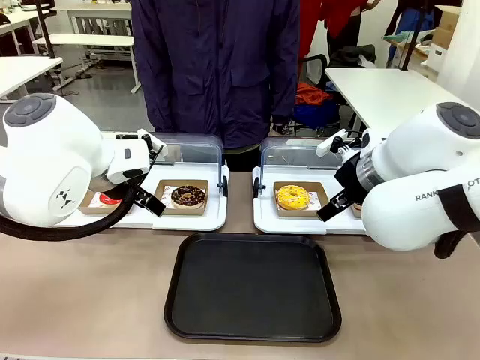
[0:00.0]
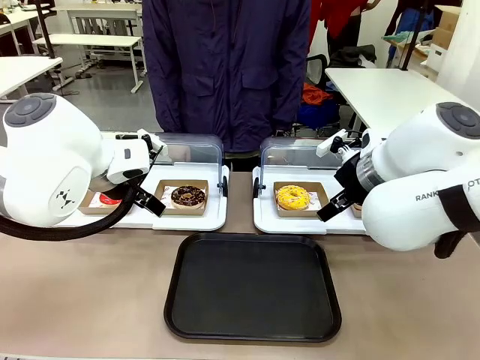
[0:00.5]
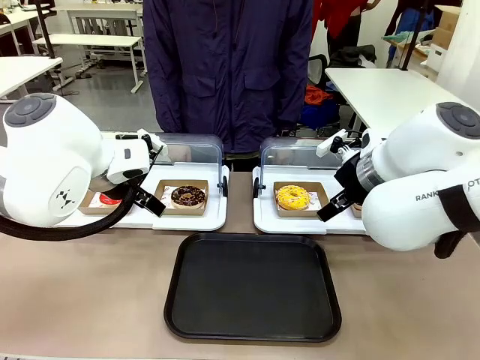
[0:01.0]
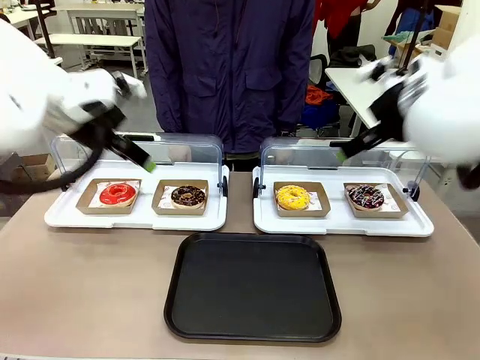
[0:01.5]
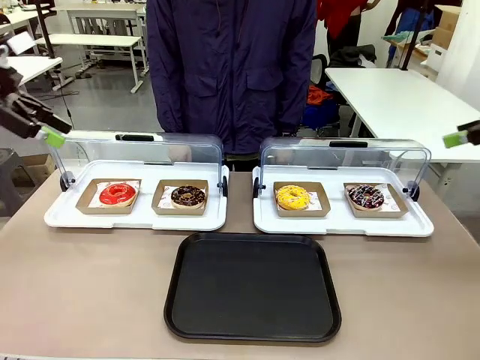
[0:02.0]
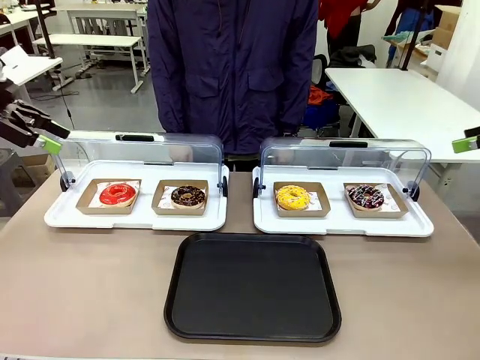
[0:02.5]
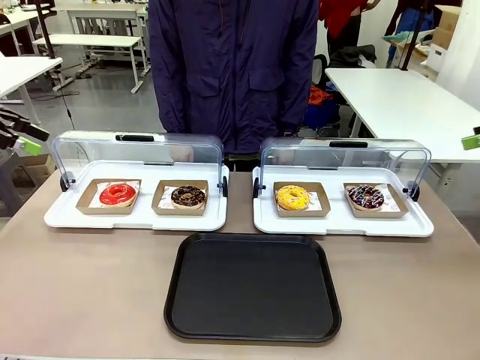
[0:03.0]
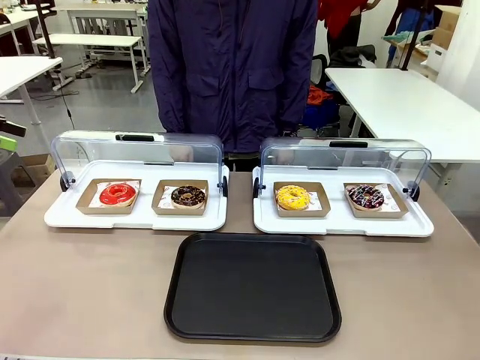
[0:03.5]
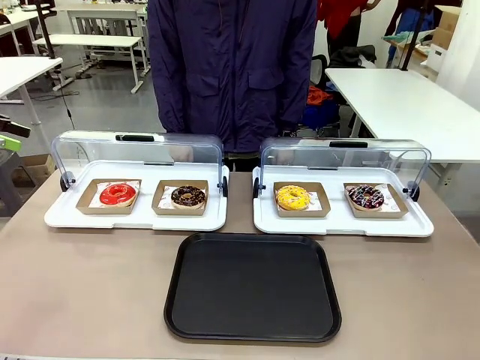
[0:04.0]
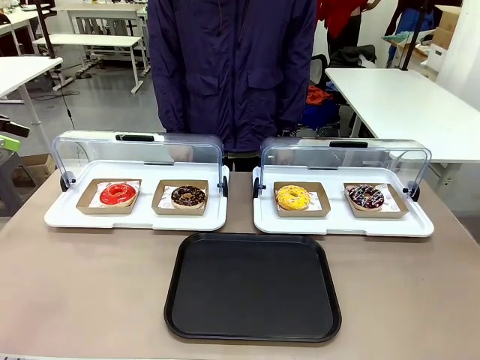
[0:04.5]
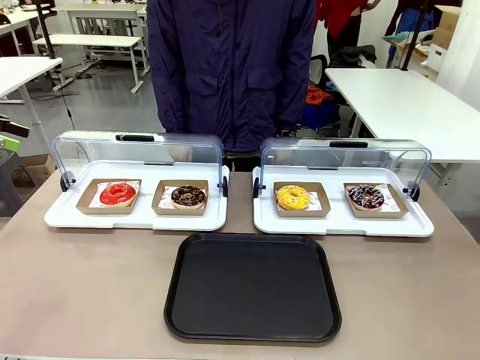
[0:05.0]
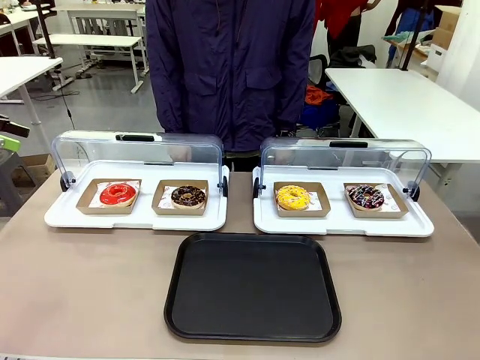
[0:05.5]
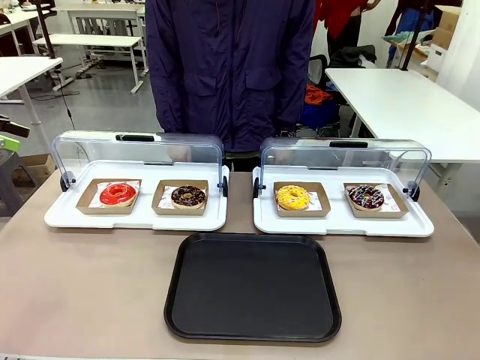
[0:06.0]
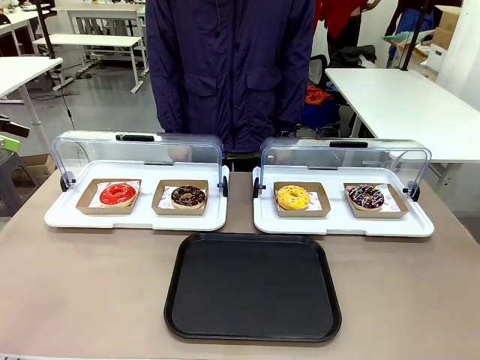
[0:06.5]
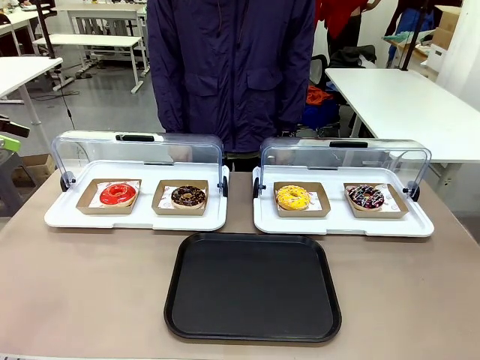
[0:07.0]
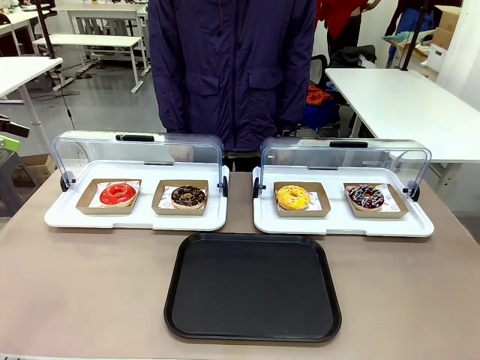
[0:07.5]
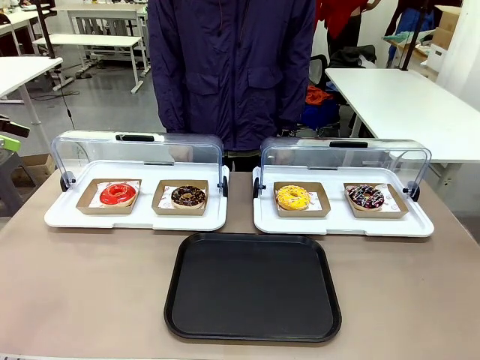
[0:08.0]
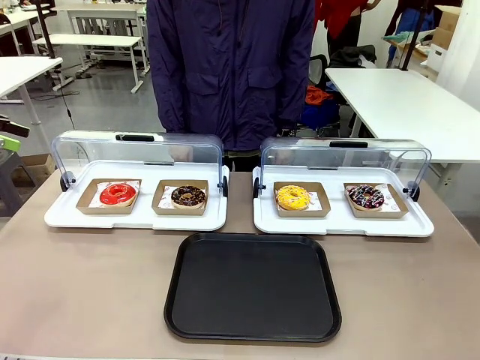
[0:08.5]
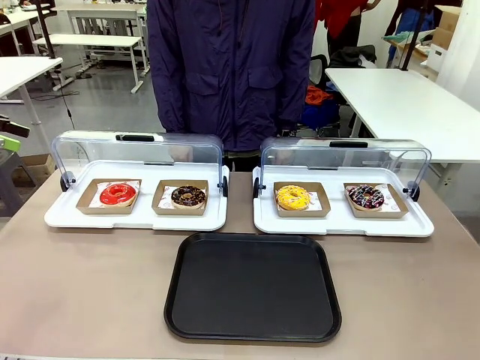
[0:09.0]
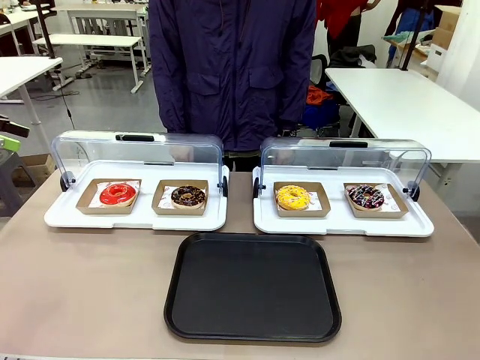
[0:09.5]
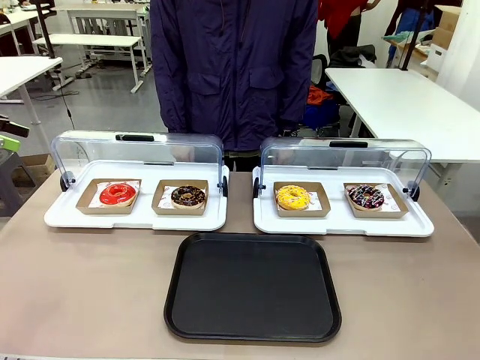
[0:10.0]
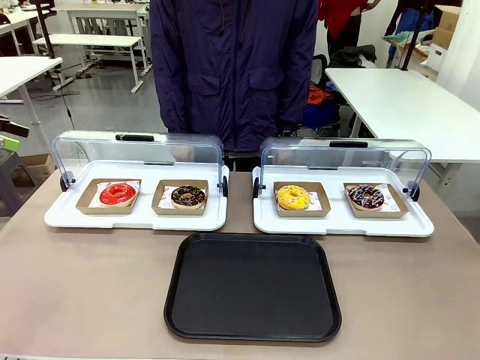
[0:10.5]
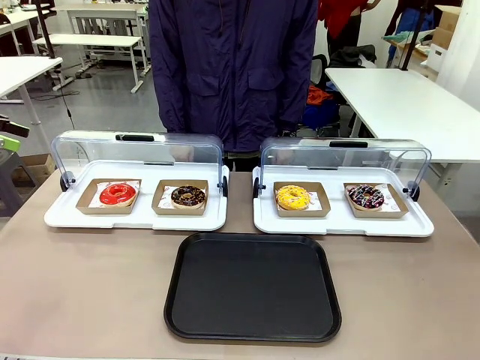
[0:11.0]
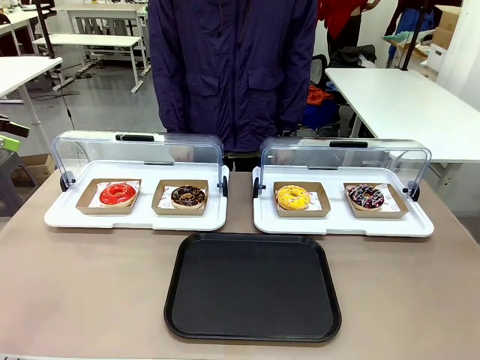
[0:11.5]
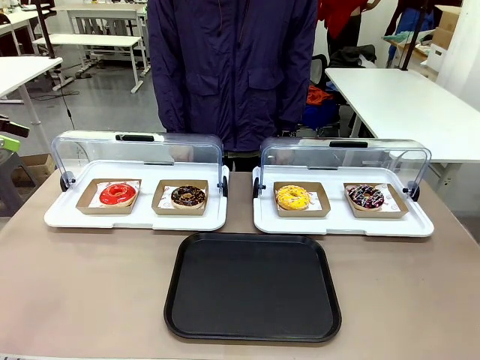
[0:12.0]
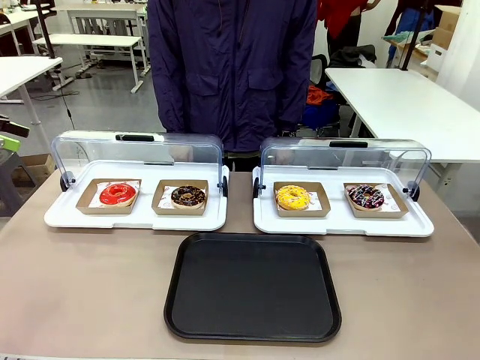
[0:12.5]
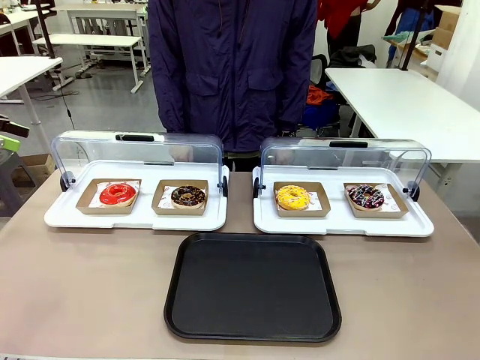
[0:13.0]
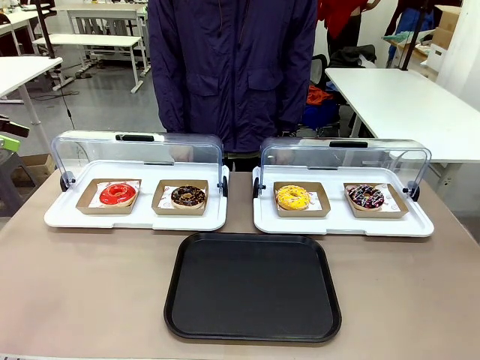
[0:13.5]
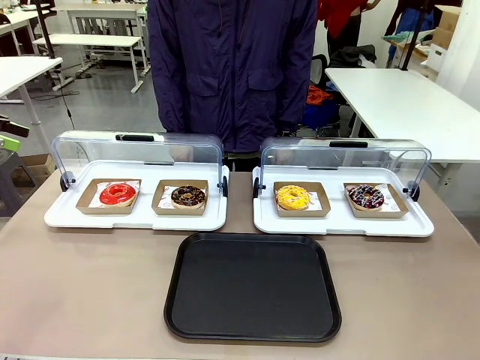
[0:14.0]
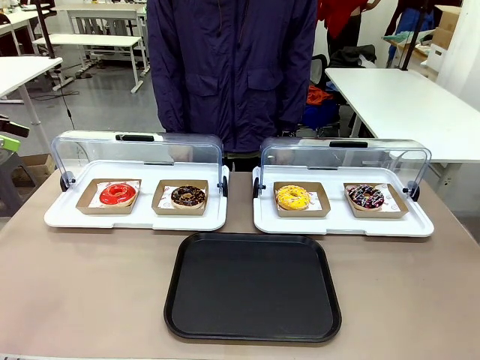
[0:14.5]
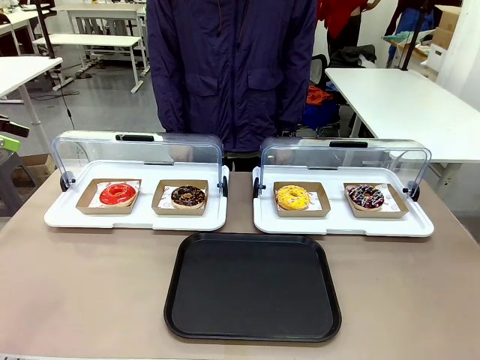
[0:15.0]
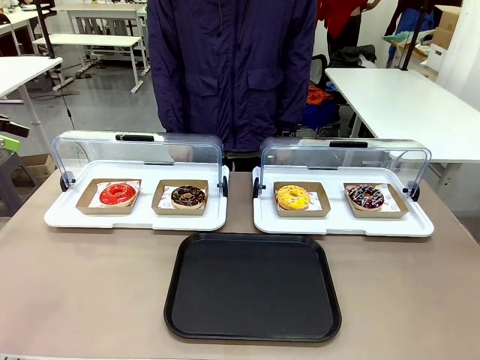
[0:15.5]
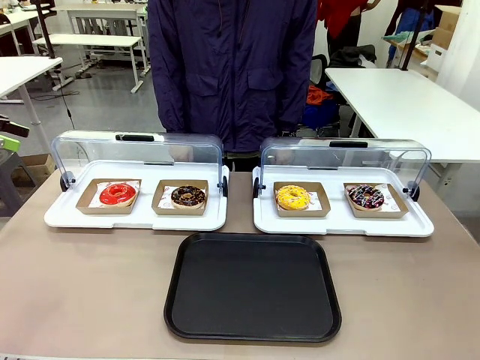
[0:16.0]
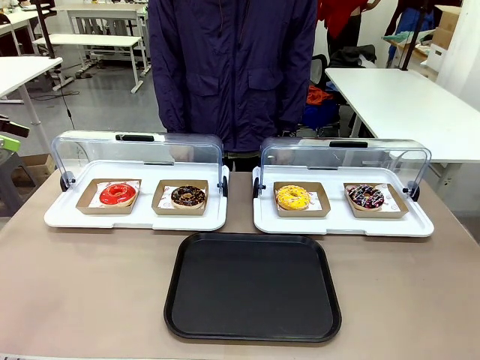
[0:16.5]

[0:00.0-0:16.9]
Task: Move the first donut from the left to the tray.
Robot: Pick up the Paper togo box containing the Donut indicated by the person and place it on the Handle tray.
